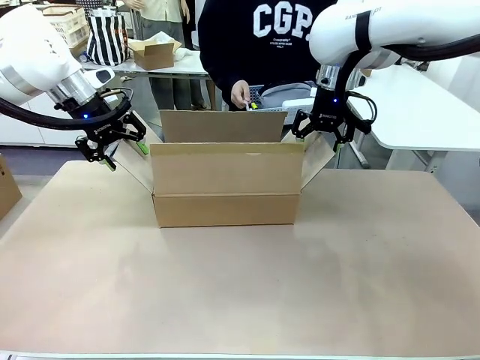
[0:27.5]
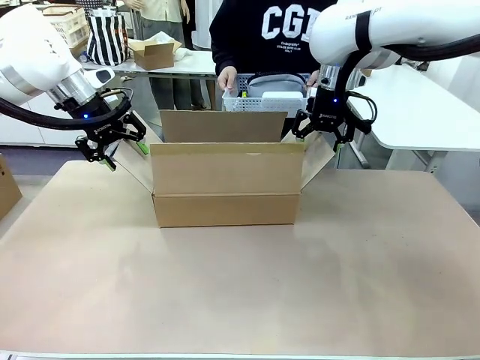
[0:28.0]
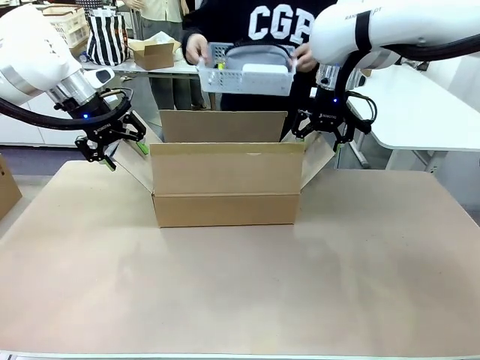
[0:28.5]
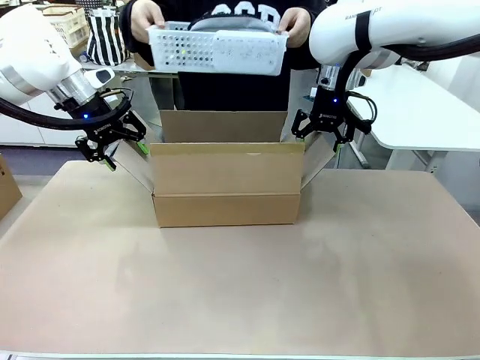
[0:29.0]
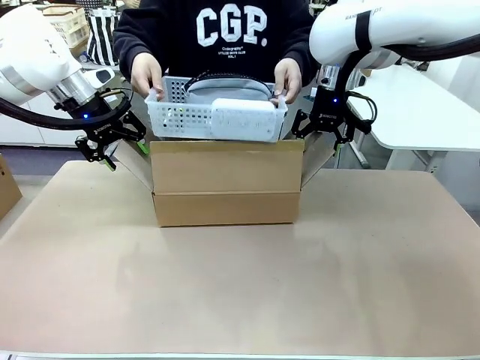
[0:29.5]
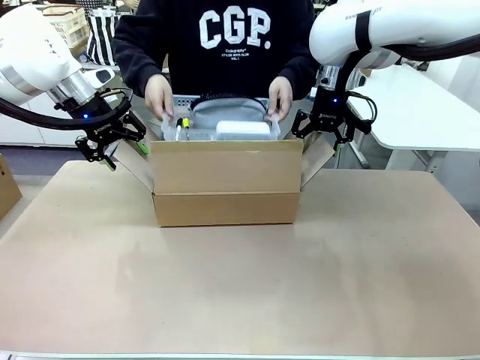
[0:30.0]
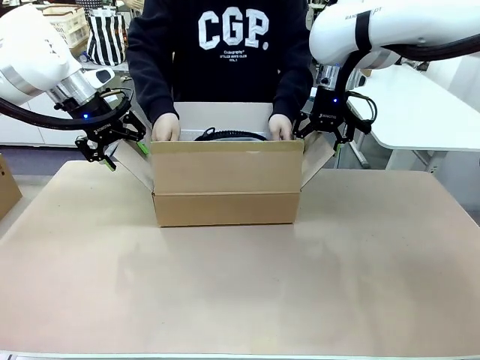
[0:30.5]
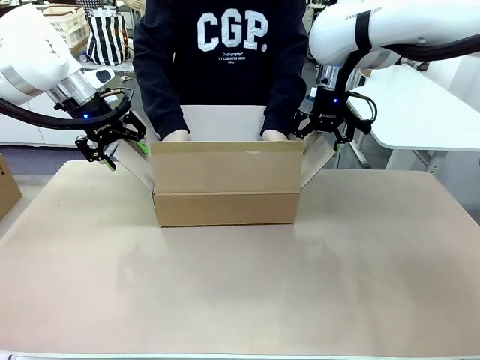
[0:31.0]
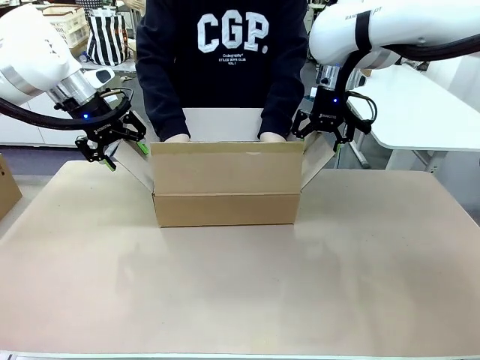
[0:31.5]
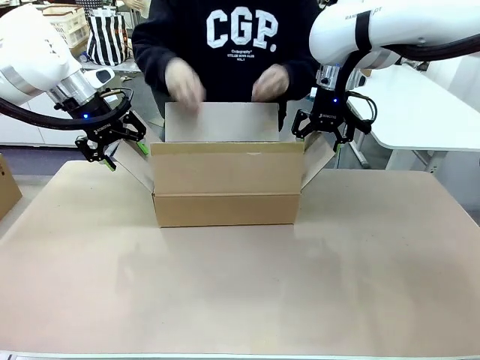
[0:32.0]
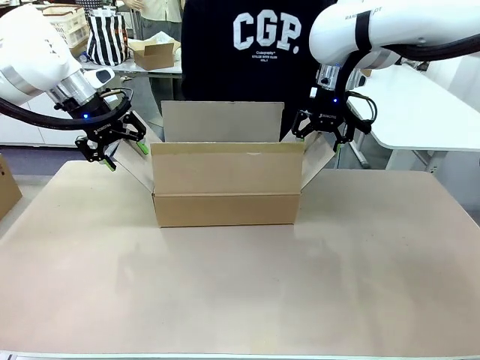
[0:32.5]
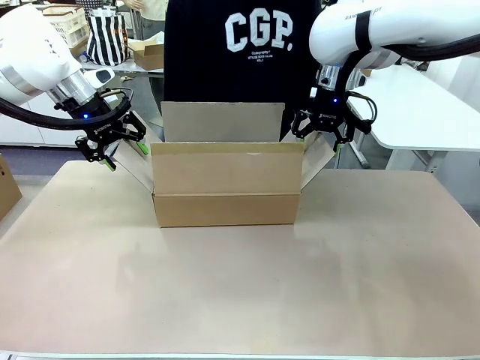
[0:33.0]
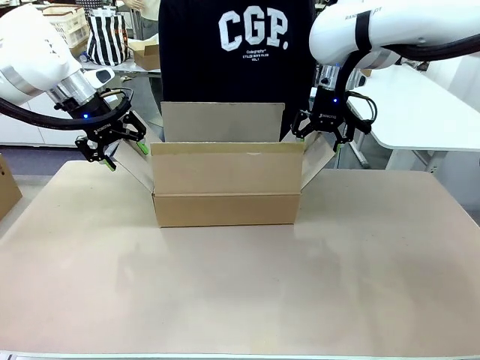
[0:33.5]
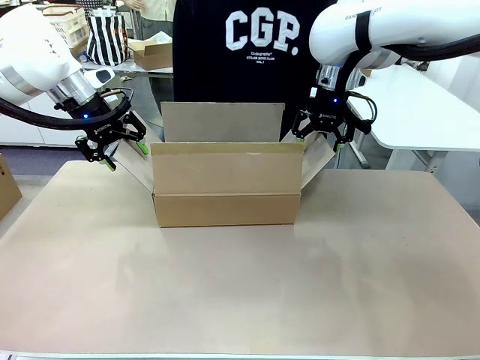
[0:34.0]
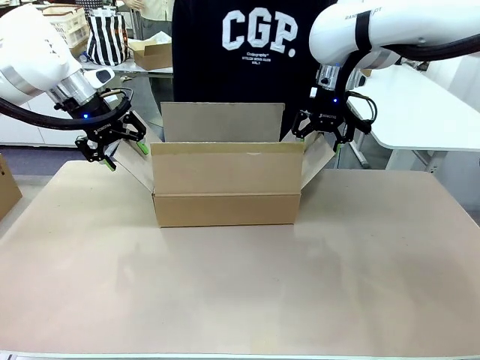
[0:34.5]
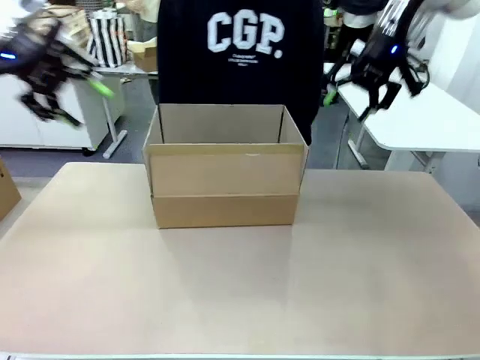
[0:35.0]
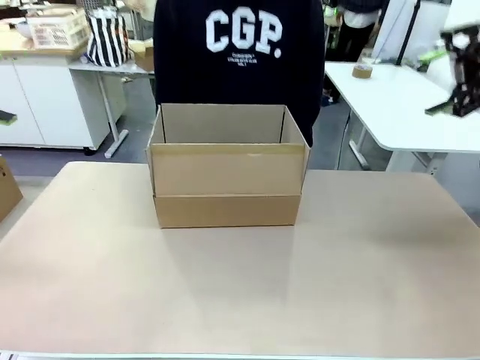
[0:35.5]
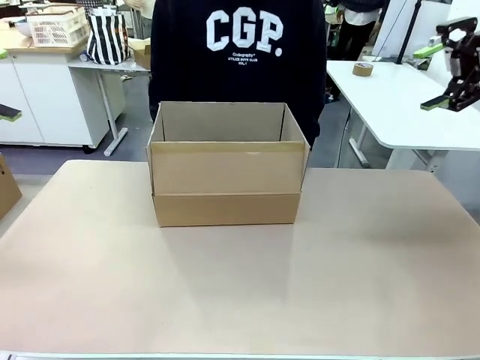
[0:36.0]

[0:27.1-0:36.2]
Task: Pack the gift set into the box.
Robot: Lift both hands away from the flaps of the Package Box.
Person: The human picks up the organizing basket and places the organizing basket into the package box on the robot table.

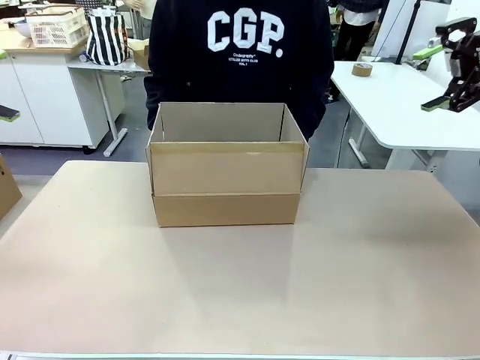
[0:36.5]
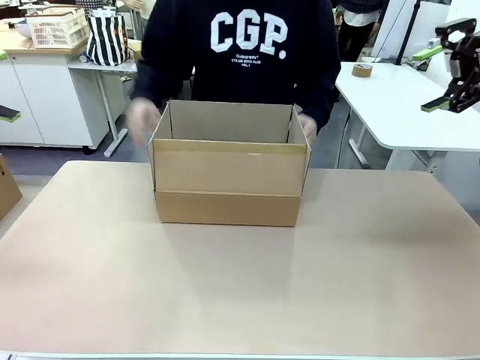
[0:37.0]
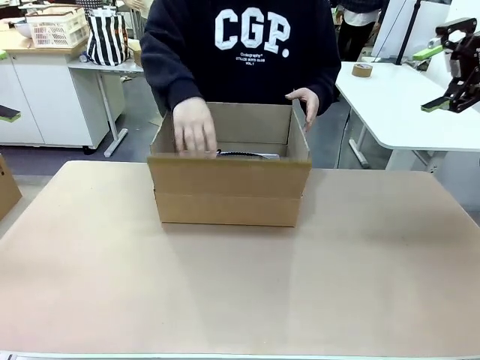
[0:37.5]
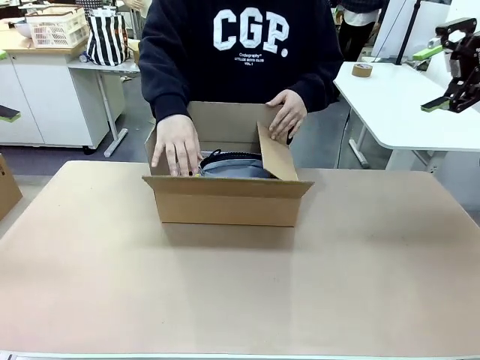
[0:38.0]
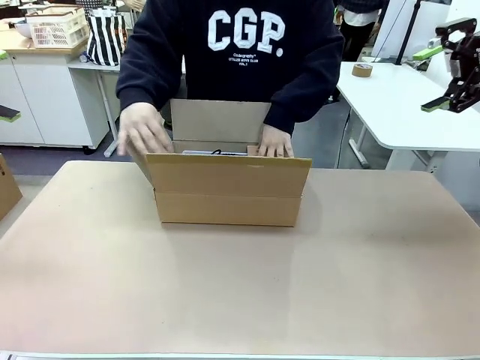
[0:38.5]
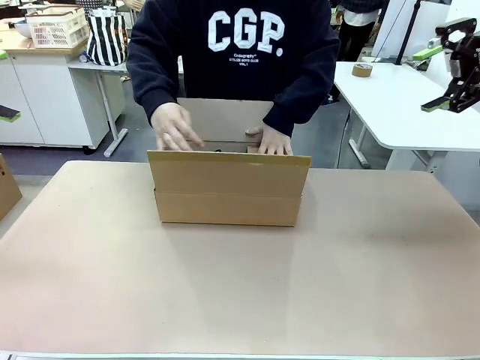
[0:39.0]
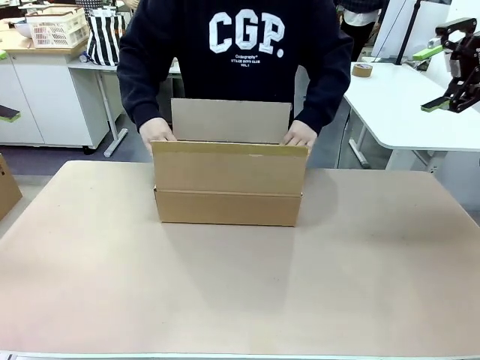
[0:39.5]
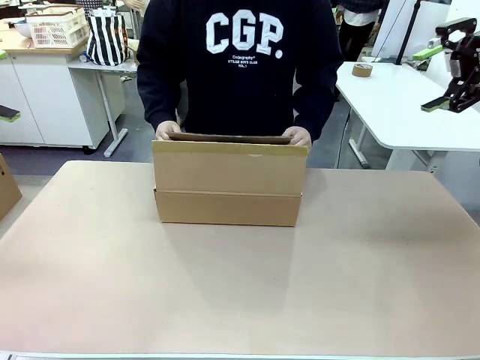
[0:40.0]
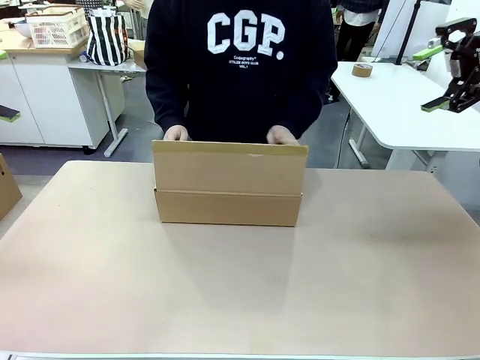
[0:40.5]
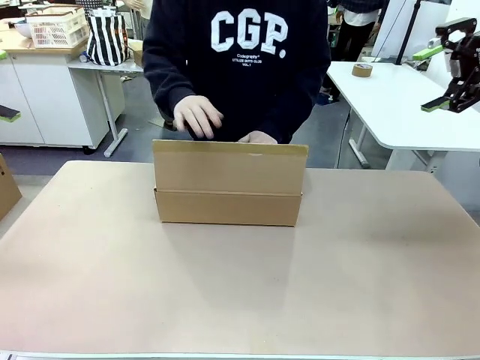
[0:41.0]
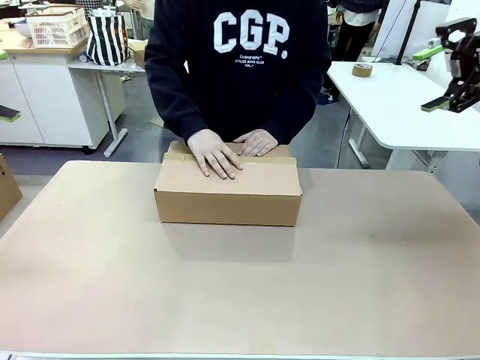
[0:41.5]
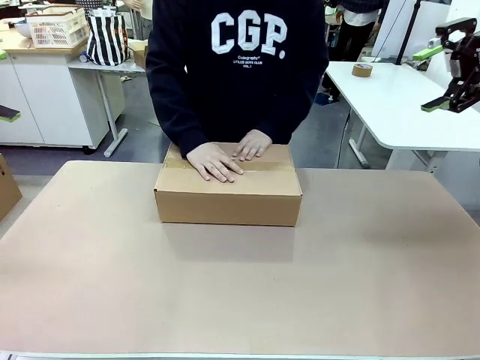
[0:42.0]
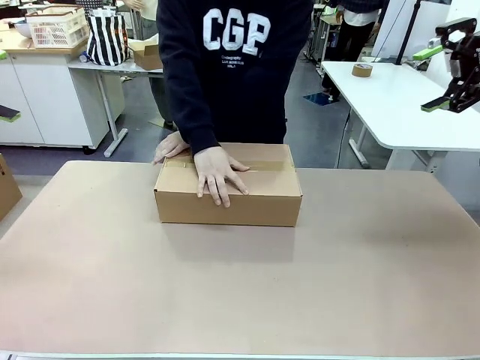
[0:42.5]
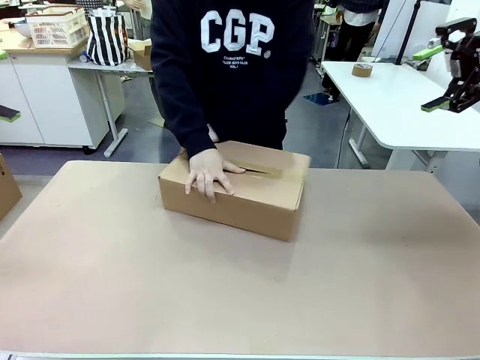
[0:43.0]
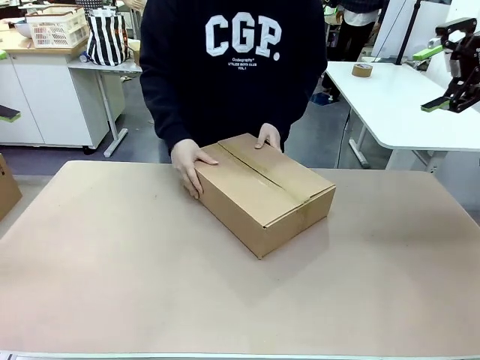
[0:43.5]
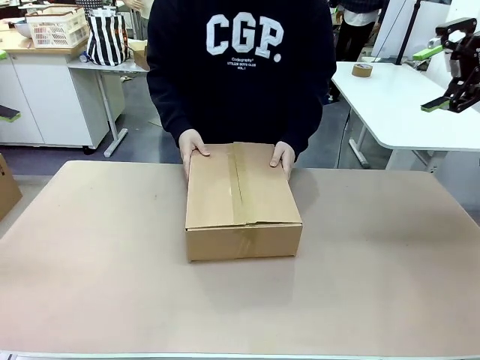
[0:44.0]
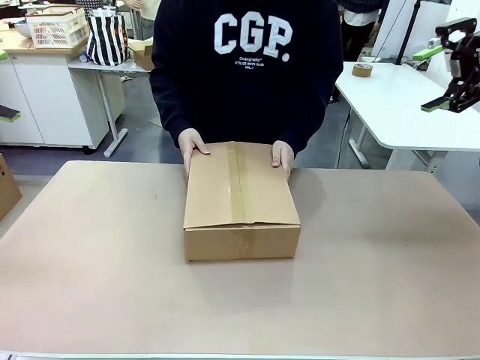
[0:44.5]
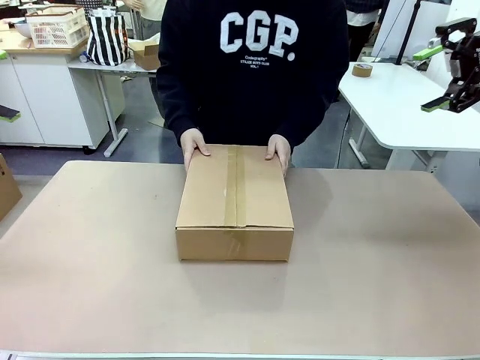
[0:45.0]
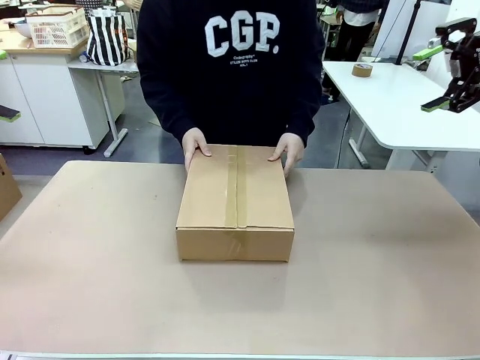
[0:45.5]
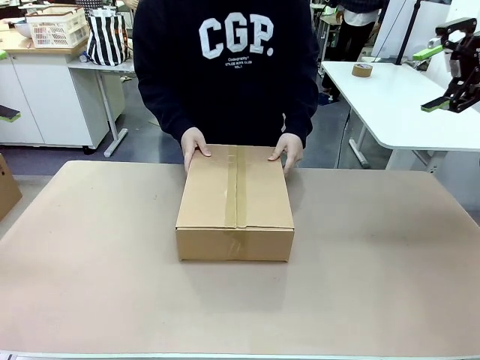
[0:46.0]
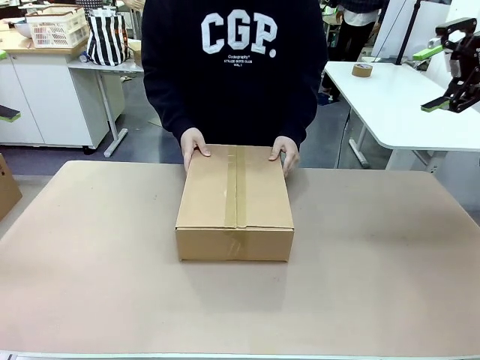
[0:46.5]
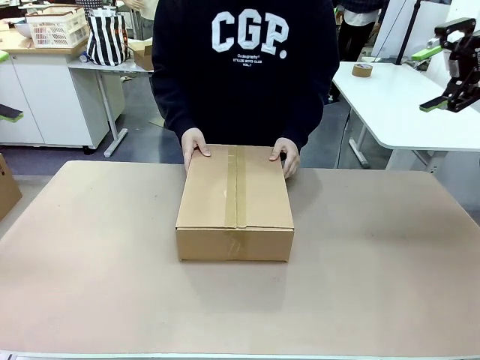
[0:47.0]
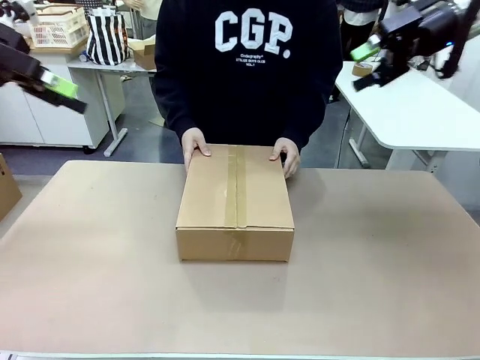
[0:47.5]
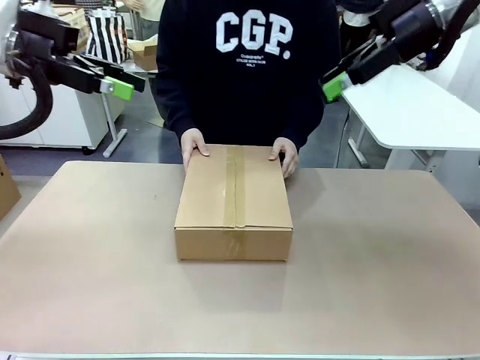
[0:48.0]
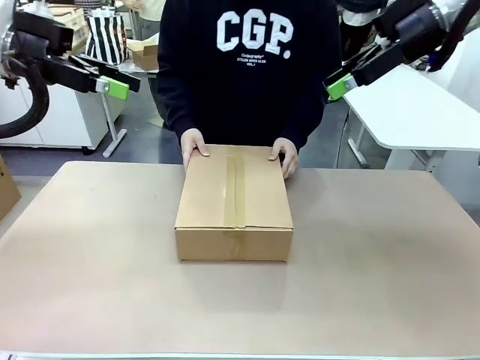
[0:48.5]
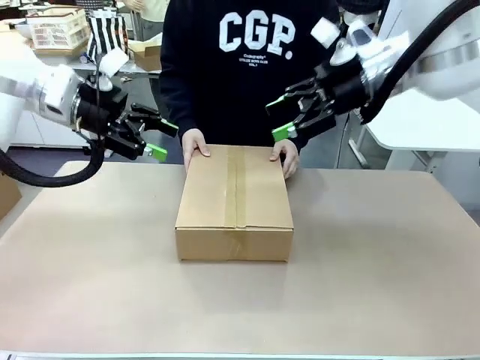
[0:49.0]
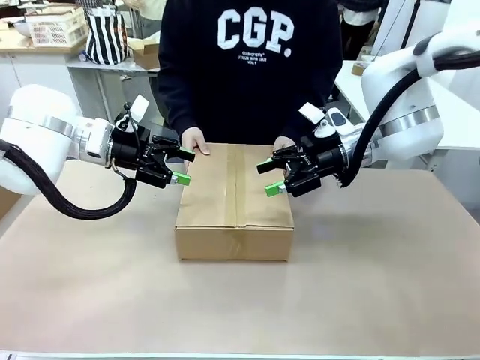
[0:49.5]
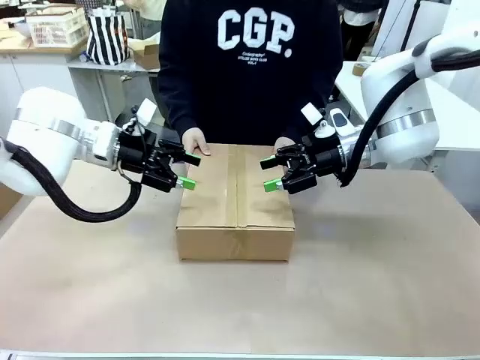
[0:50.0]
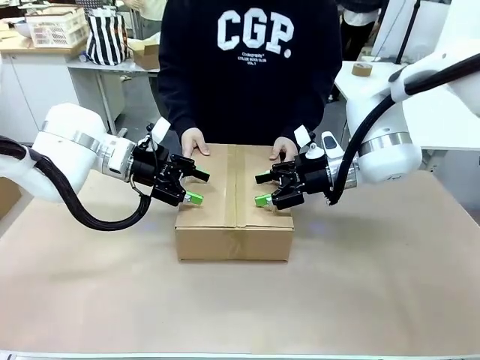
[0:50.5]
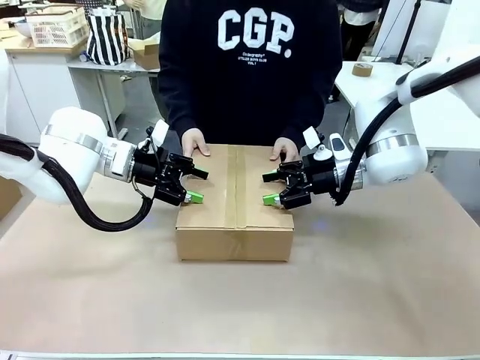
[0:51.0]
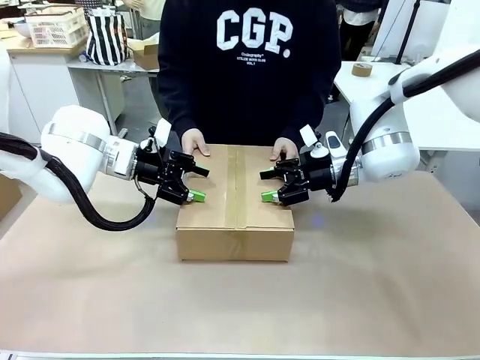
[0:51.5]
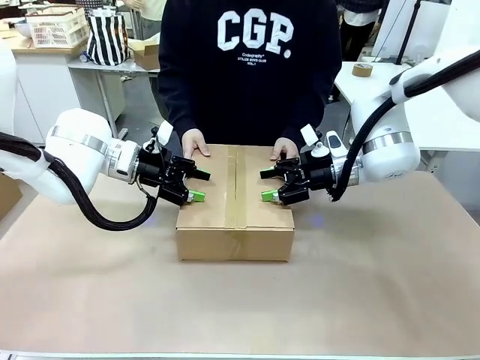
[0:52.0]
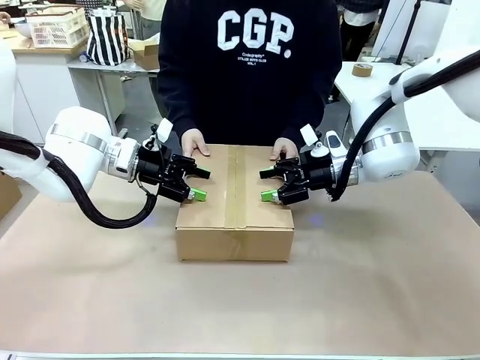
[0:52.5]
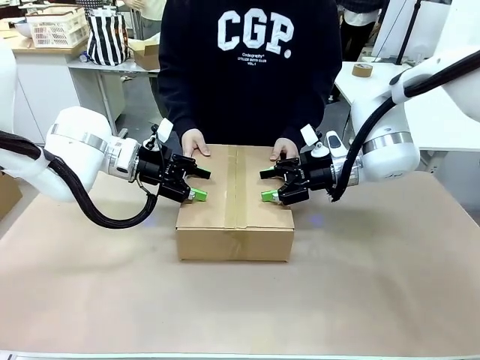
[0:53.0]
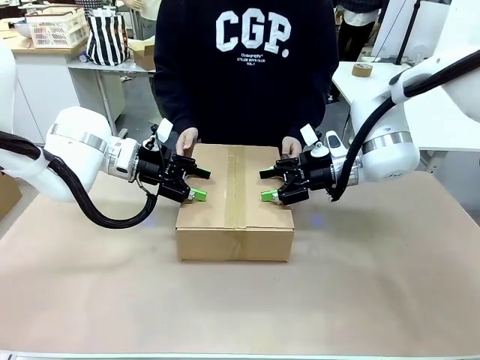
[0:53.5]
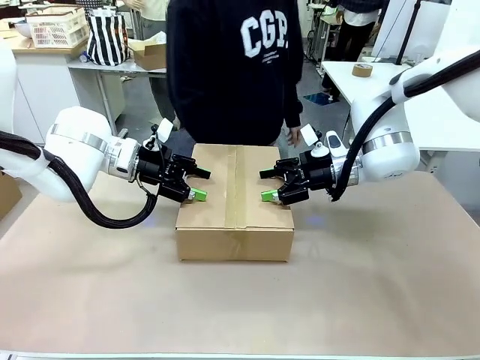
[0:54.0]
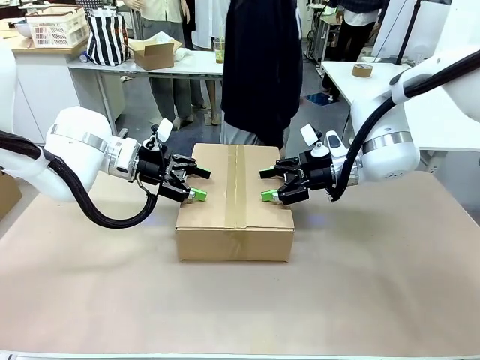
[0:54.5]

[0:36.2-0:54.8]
Robot: Press and hold the closed box until the human finishes sealing it.
Person: The human closes the box and rotates the box by 90 degrees.
